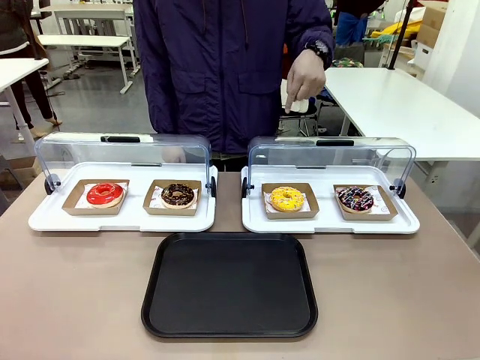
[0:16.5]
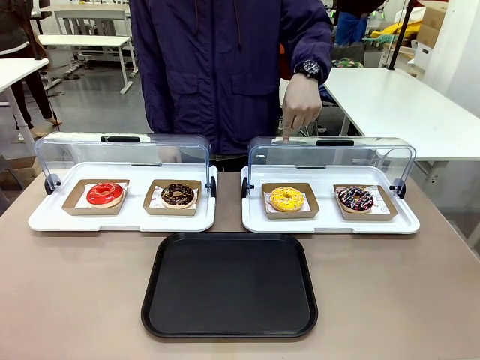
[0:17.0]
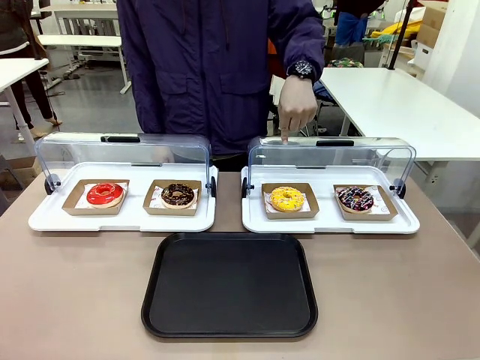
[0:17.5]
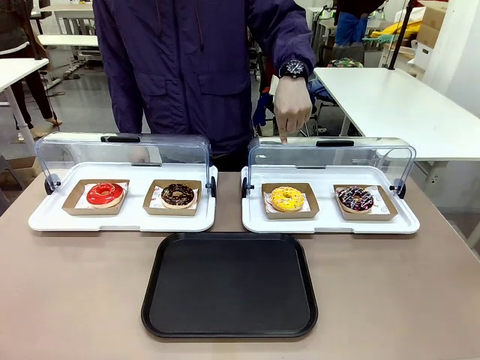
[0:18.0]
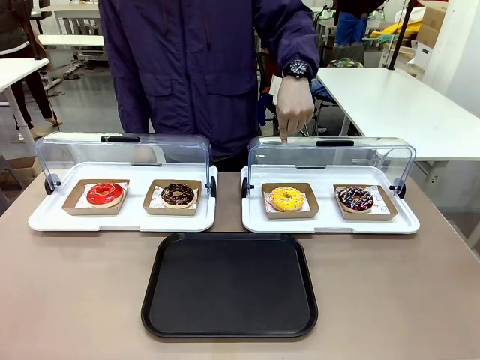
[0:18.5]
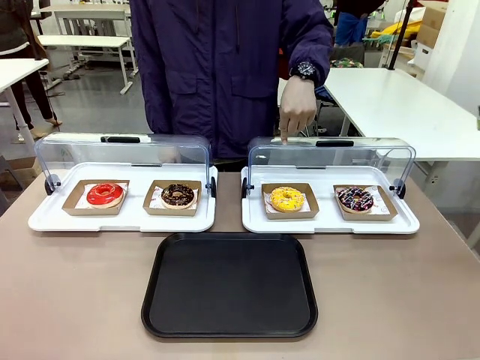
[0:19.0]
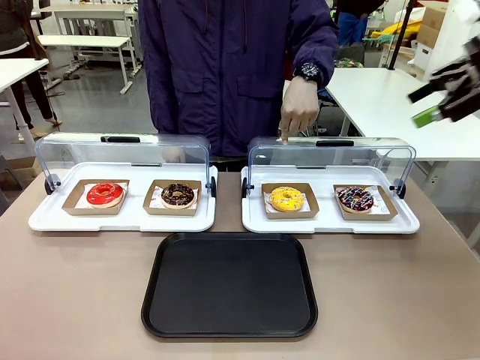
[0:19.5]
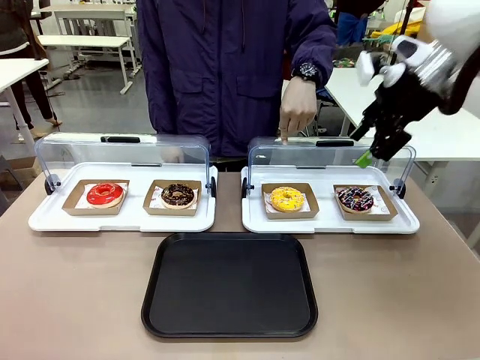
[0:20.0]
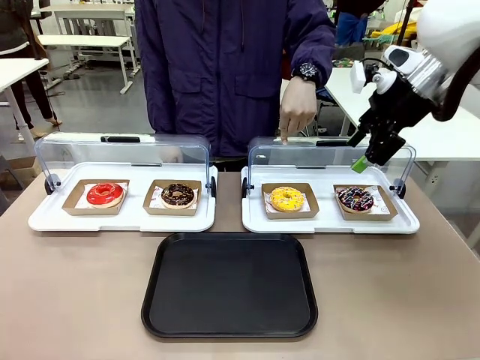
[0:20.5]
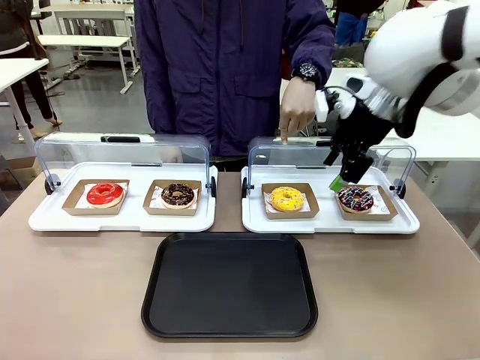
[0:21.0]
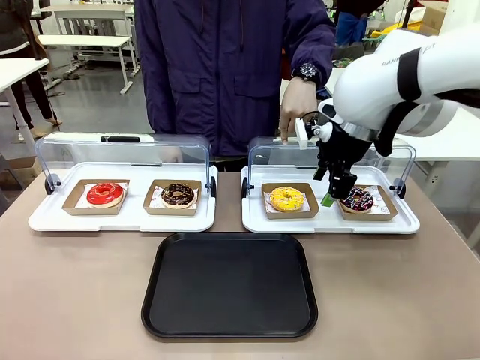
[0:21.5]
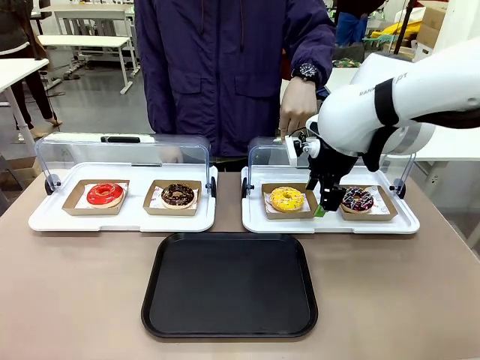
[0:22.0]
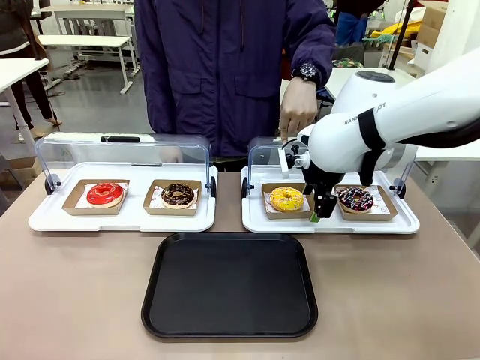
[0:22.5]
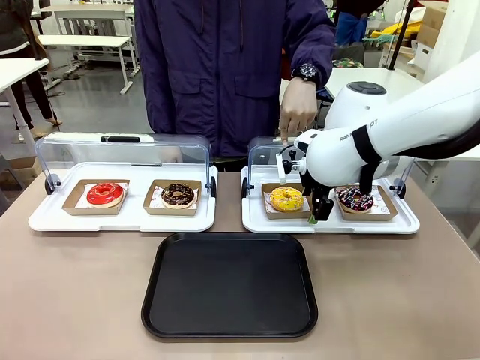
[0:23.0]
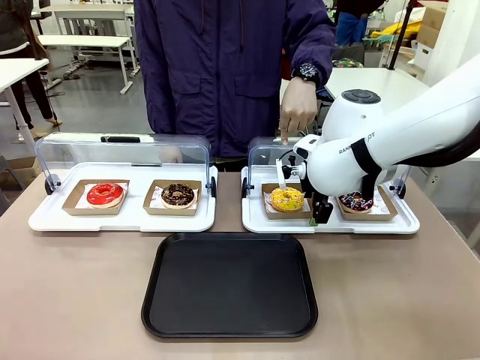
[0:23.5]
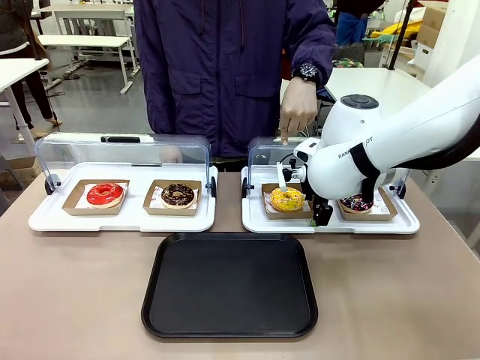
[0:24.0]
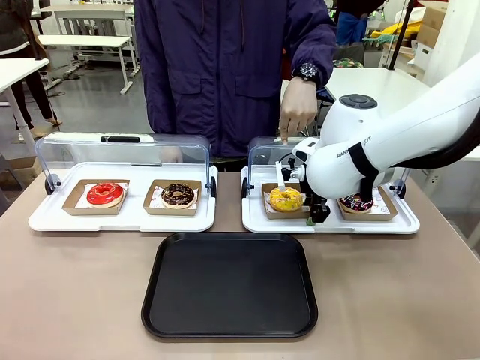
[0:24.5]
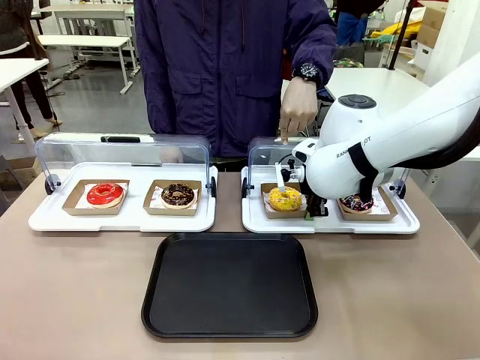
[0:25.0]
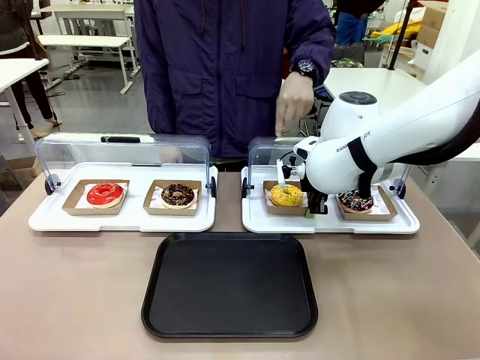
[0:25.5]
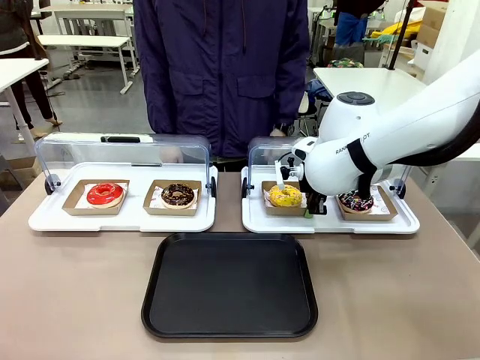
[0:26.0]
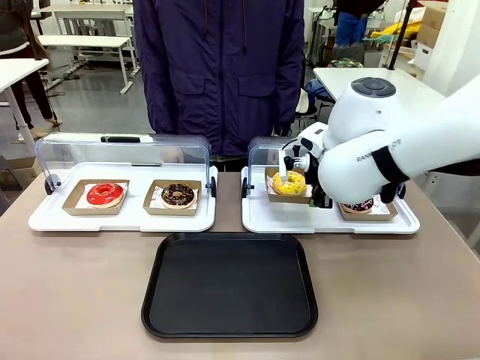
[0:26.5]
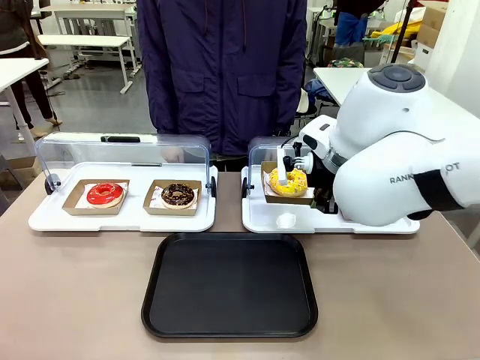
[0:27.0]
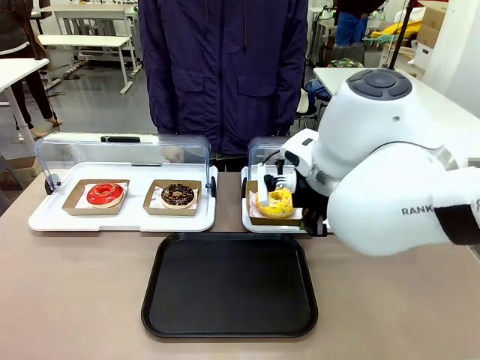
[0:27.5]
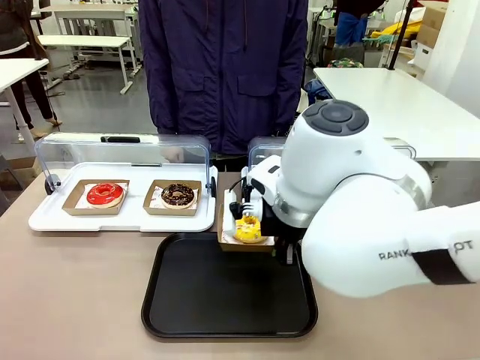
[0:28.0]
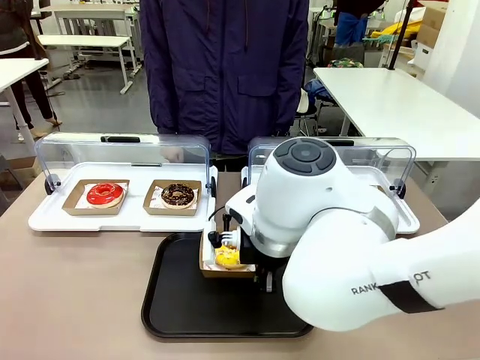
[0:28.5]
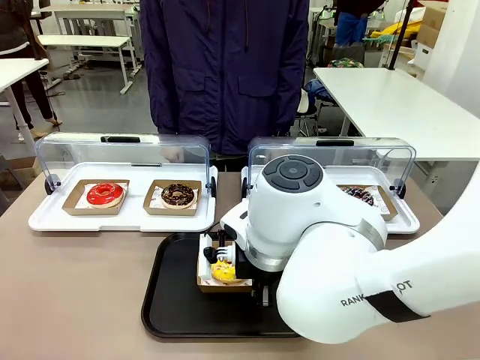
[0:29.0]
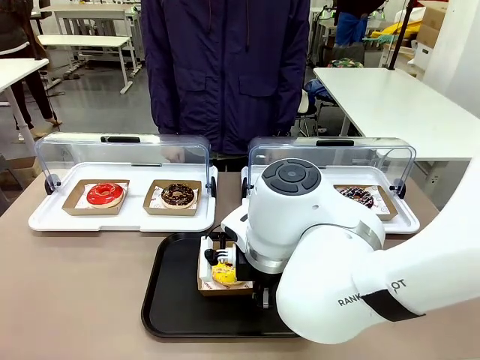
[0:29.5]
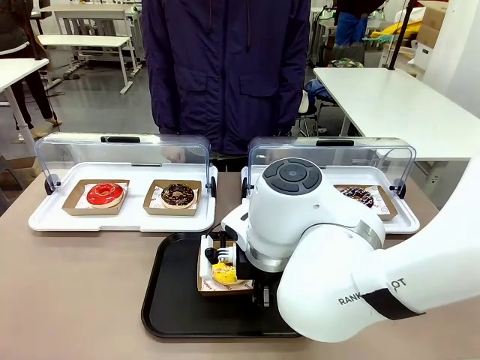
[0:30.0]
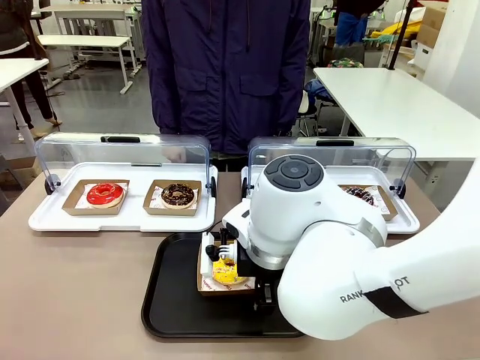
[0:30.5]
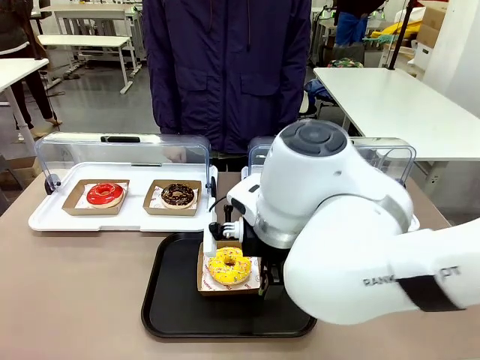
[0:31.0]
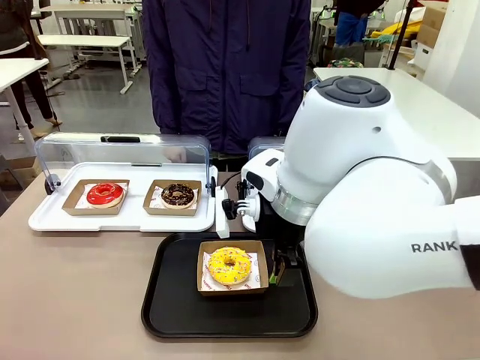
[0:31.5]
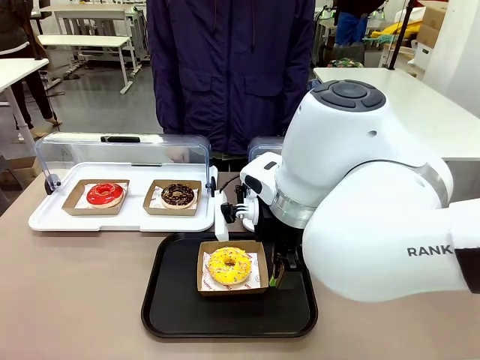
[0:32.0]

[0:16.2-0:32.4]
Task: Move the third donut from the left to the tray.
Robot: Pick up the Paper togo box containing the Donut indicated by the person and place it on the Handle tray.

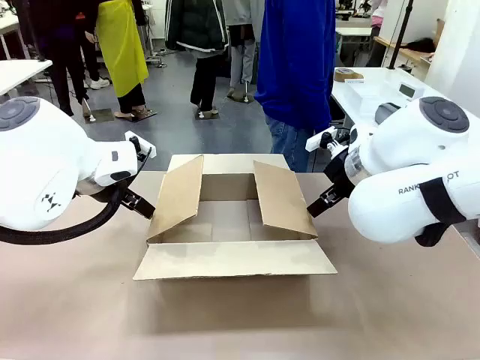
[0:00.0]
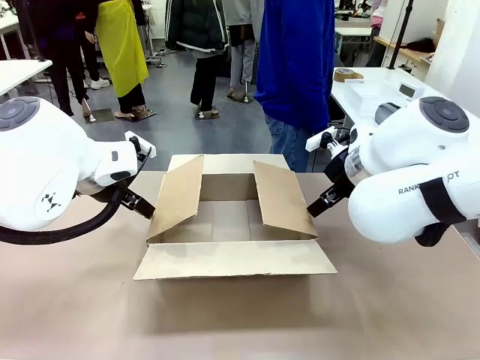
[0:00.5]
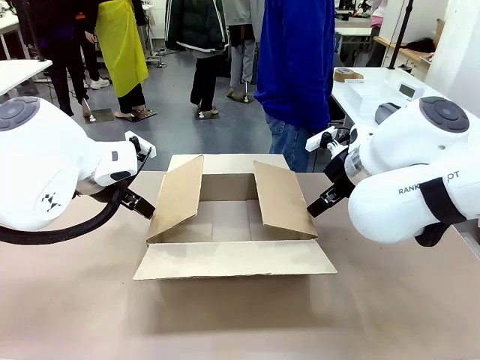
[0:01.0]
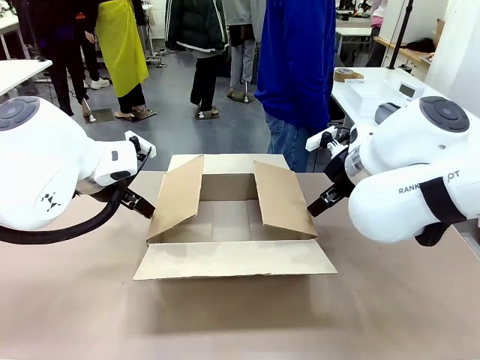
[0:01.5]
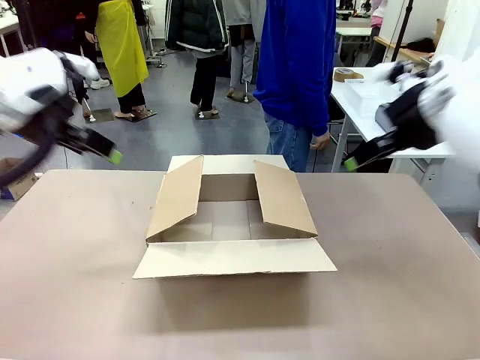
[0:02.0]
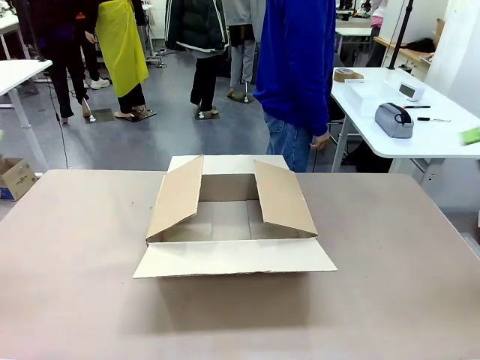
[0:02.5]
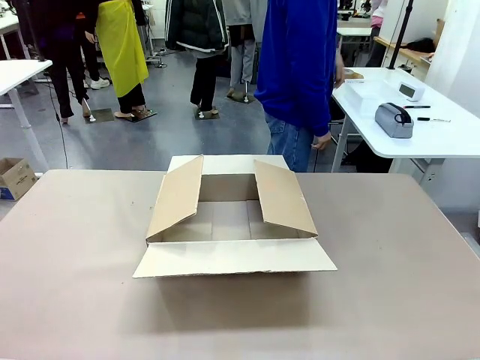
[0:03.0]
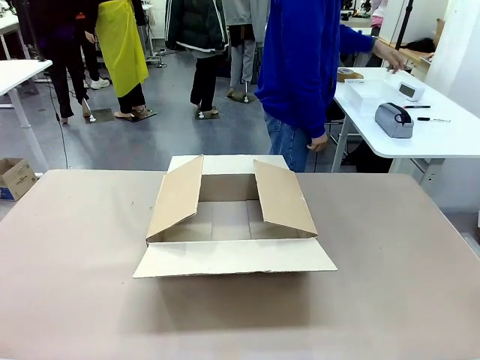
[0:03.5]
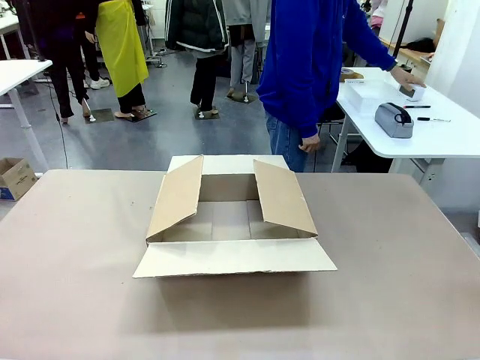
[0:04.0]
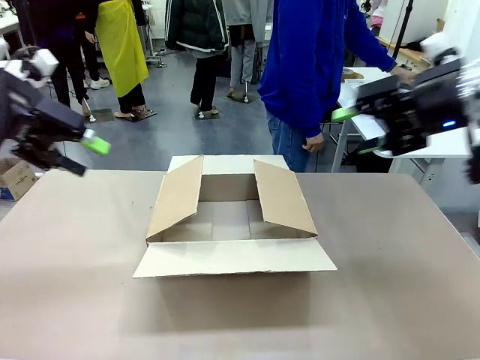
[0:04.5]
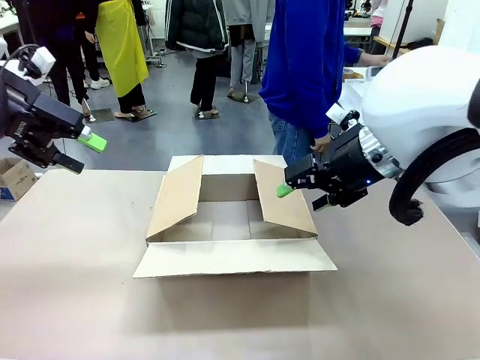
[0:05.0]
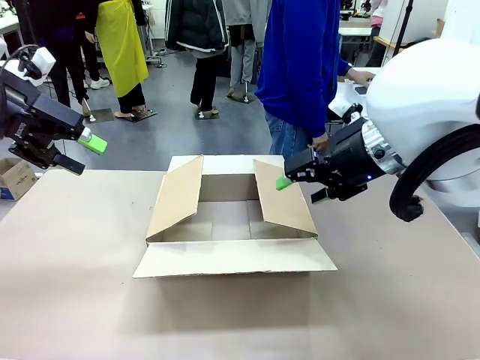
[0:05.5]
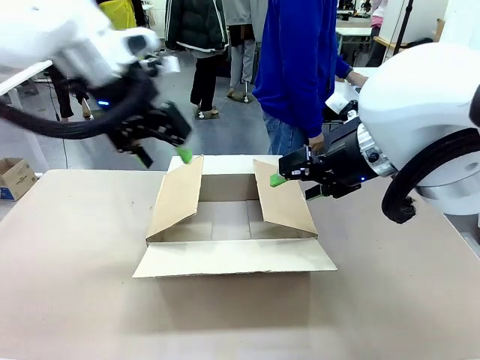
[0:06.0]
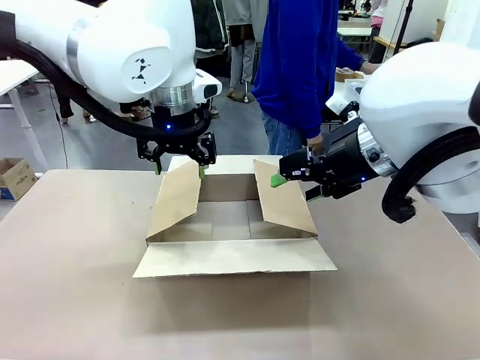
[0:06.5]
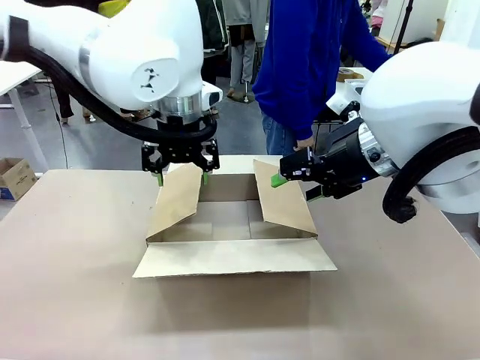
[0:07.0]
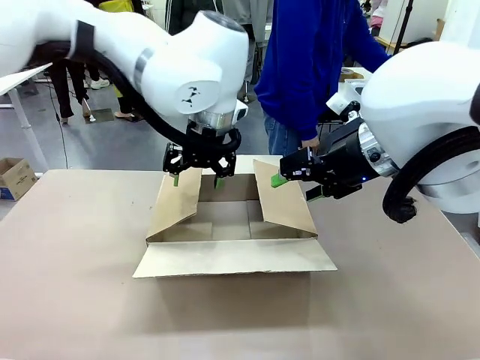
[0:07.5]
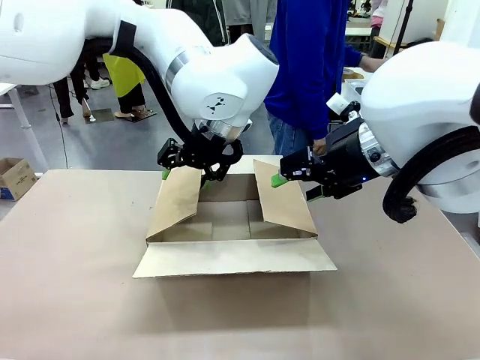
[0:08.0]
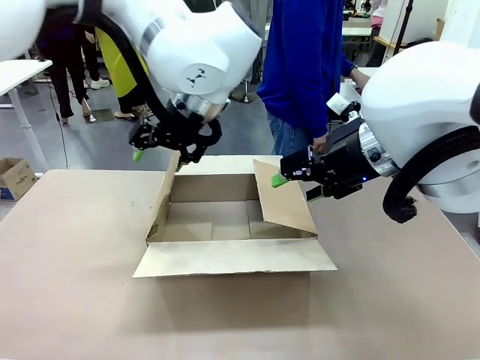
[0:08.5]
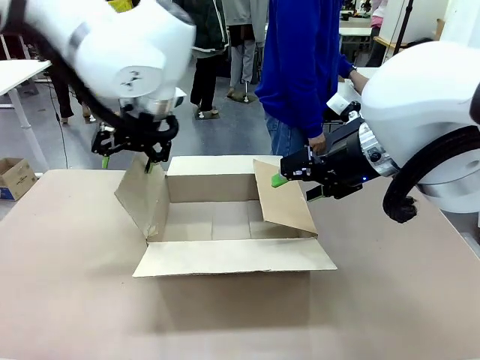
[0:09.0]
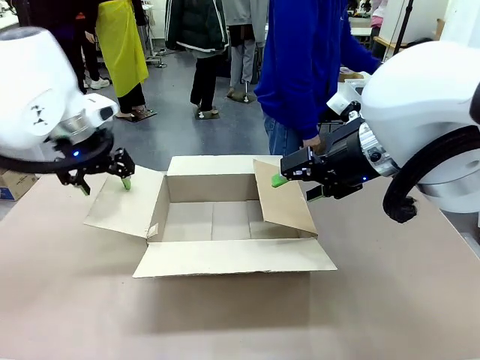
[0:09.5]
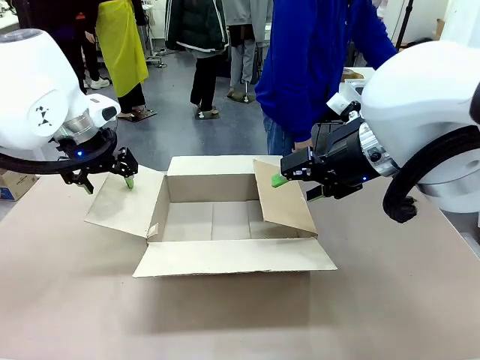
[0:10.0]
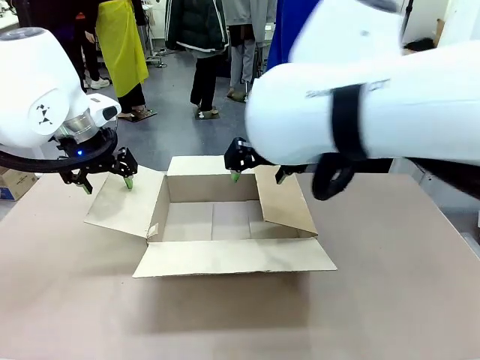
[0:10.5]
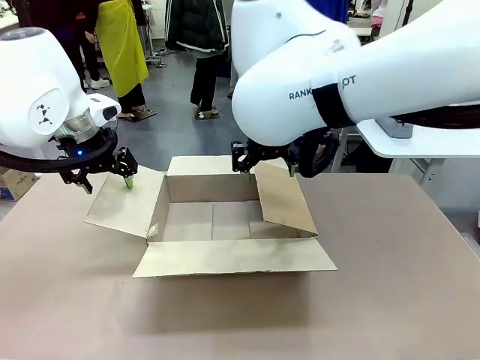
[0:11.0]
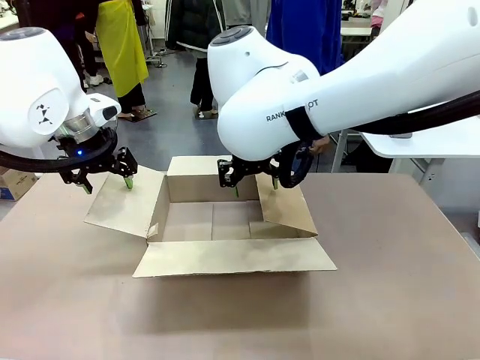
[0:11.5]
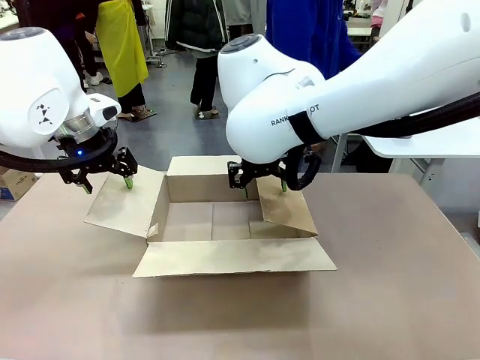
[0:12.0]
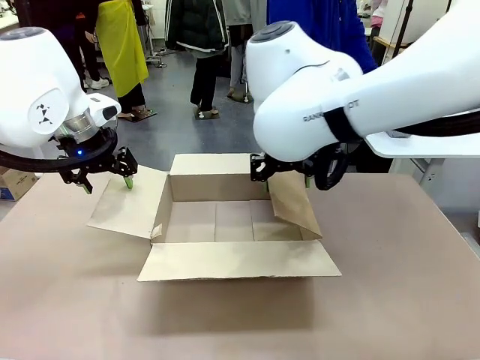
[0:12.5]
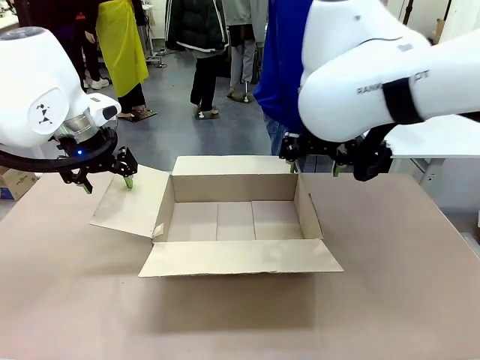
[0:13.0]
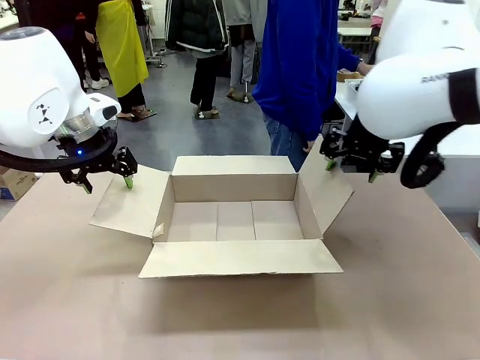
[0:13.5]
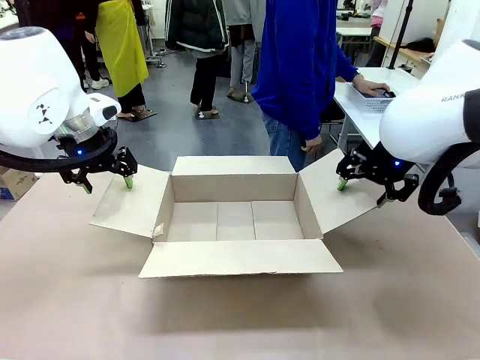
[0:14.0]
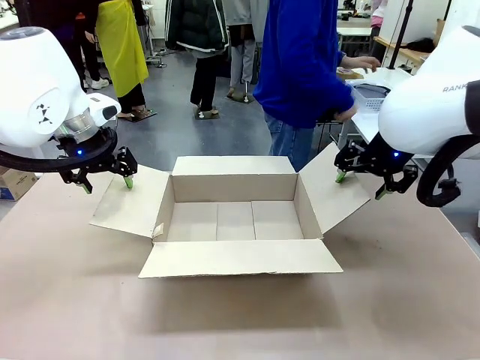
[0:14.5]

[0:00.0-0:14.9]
Task: Pack the gift set into the box.
Robot: Place both hands on the side flaps of the Package Box and spread them outward.
Person: The human places all items except the paper tape into the organizing basket.
